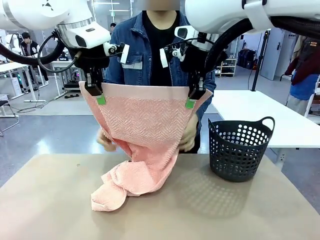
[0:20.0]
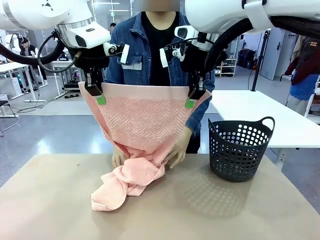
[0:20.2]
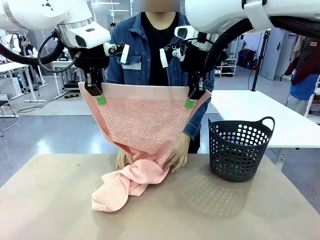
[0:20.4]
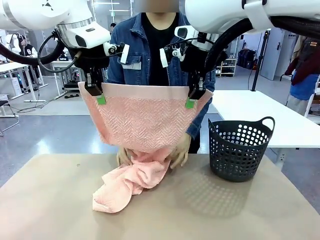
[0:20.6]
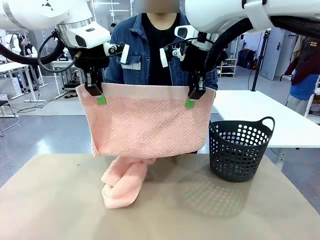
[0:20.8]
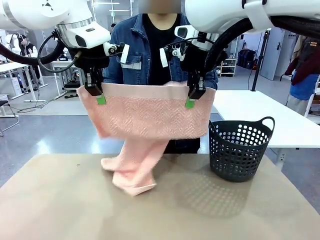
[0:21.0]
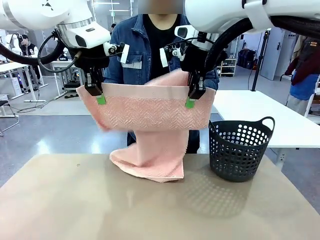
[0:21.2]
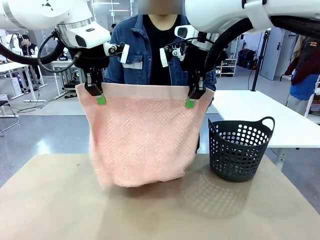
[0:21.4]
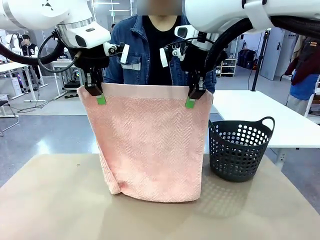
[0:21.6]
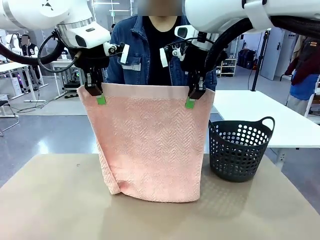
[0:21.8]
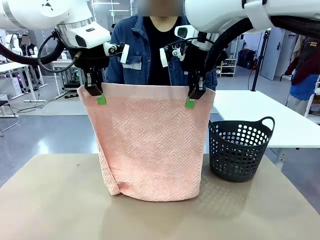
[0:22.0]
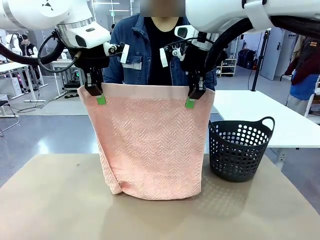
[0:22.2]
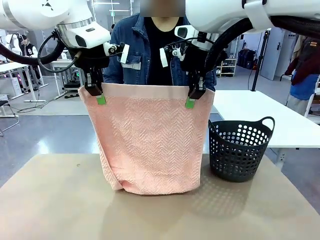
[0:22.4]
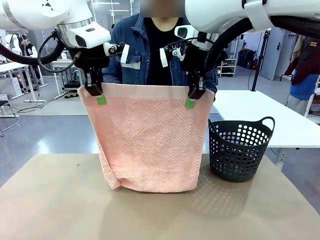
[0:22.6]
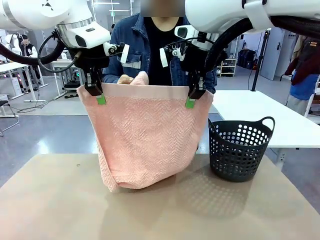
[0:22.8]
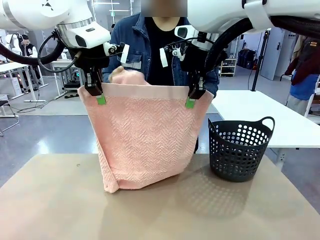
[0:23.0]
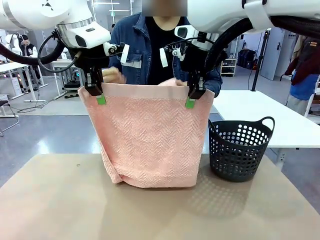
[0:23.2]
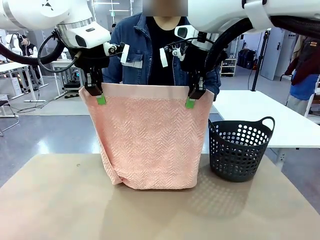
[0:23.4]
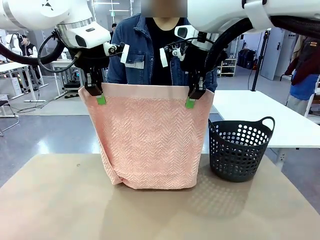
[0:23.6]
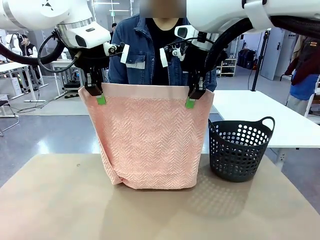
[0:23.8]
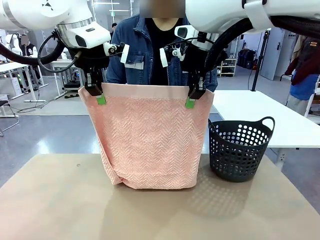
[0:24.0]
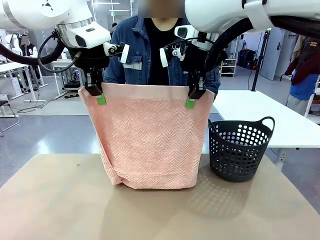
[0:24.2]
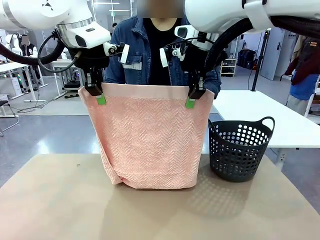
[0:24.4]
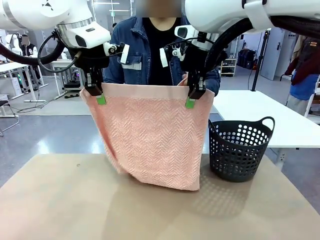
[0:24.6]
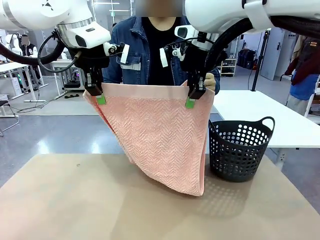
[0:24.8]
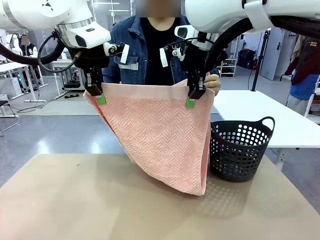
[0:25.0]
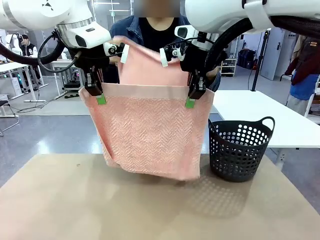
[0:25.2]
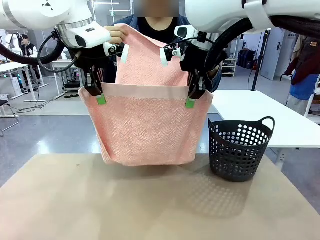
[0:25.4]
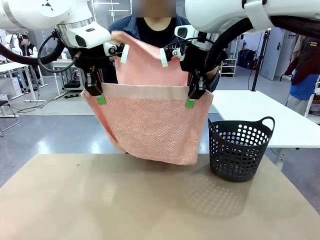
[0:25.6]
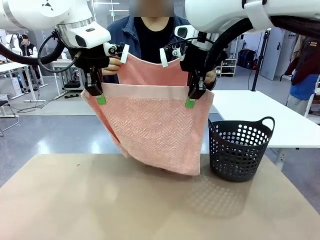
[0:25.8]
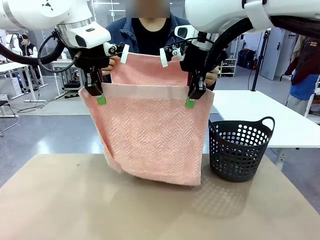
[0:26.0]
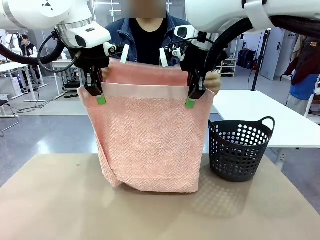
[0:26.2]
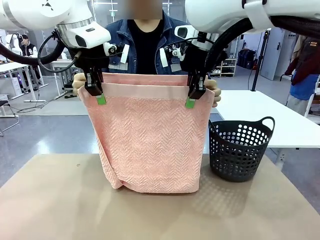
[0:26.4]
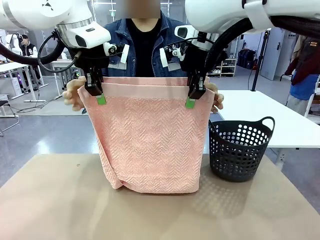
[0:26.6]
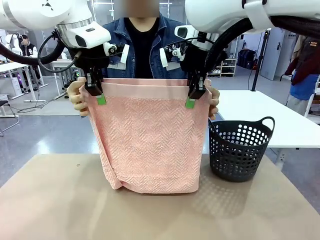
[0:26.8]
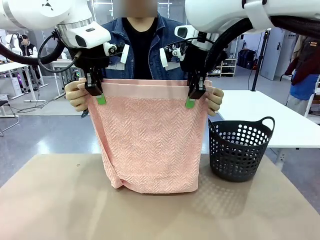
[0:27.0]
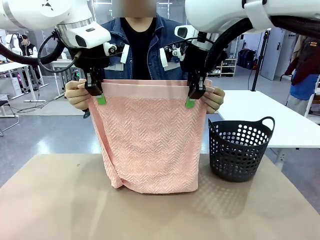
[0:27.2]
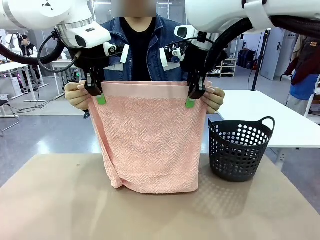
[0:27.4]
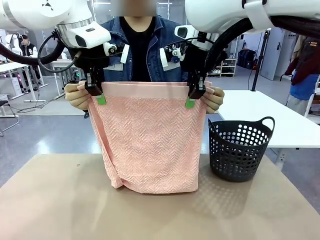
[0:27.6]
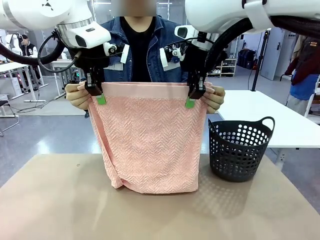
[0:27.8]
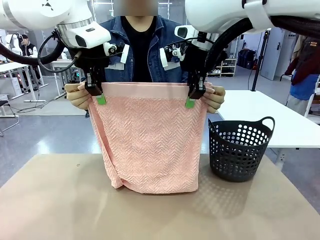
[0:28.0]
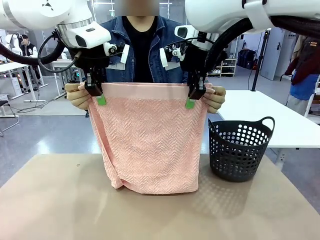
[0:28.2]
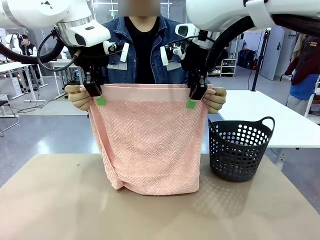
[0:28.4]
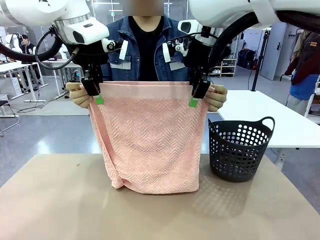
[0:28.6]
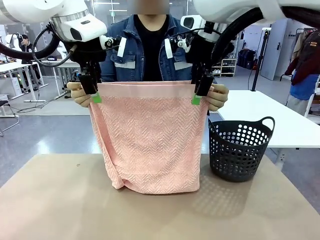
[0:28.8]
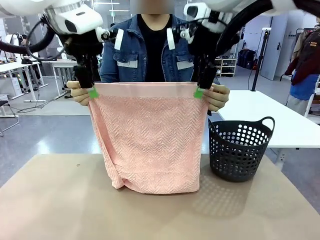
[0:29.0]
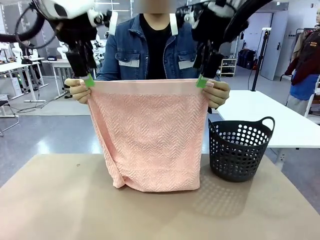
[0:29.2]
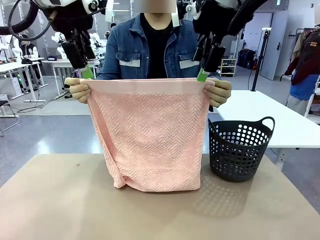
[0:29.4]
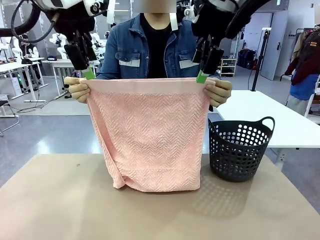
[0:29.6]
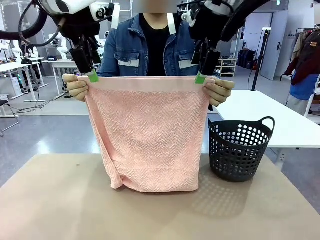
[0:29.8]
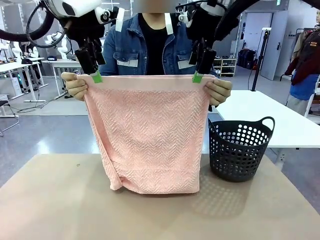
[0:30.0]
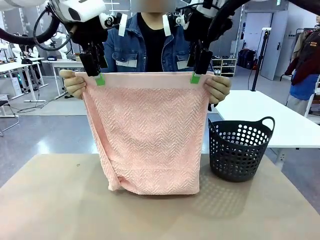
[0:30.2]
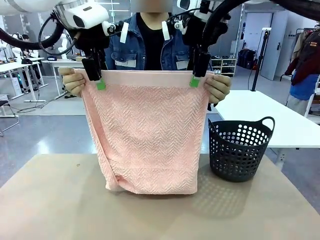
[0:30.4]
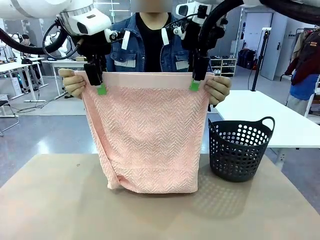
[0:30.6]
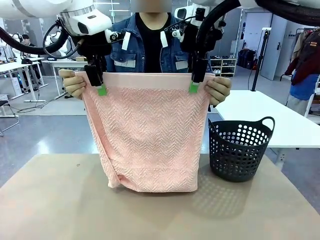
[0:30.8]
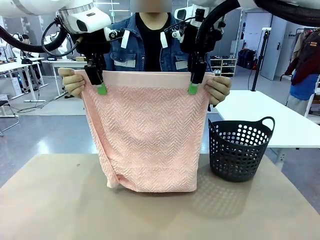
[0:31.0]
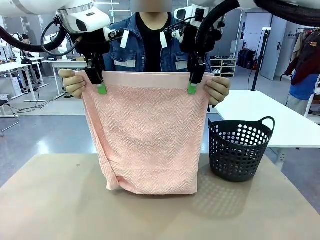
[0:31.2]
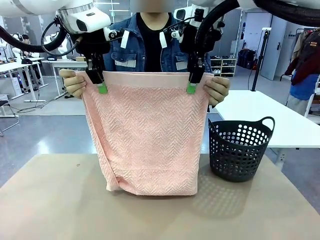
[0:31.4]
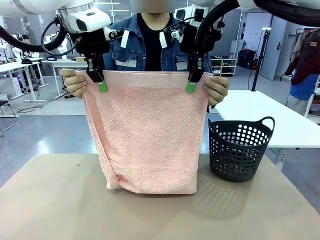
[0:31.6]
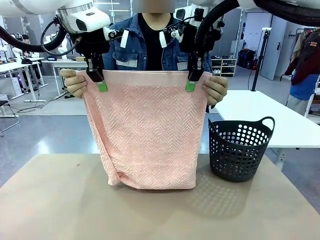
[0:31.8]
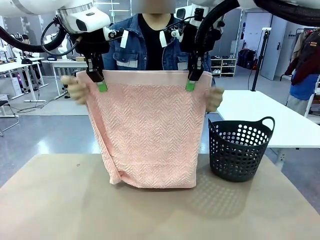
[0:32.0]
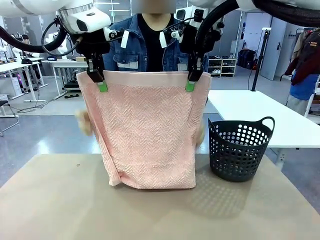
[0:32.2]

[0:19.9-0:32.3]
Task: Fold the towel.
Robot: Release the end of the 100 cm Hotel Towel you were holding and grab the top end of the folded side.

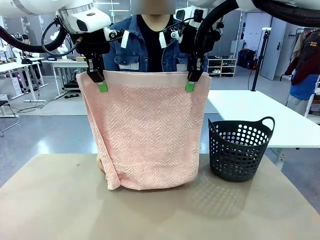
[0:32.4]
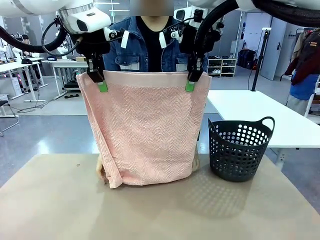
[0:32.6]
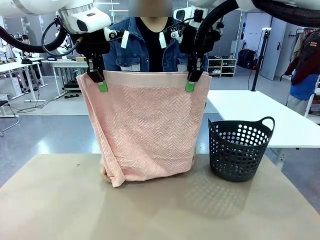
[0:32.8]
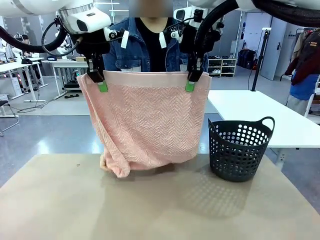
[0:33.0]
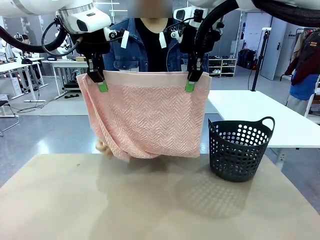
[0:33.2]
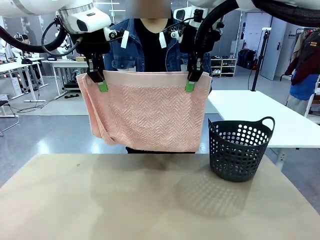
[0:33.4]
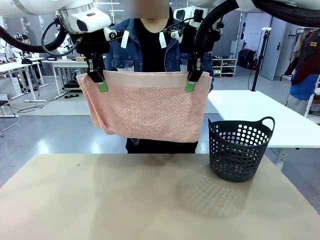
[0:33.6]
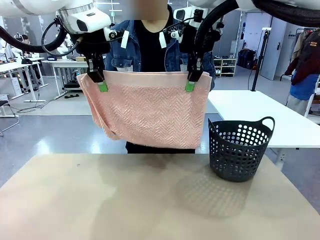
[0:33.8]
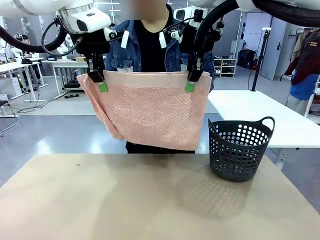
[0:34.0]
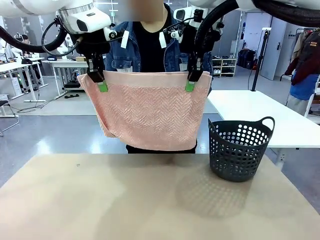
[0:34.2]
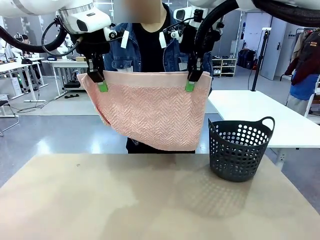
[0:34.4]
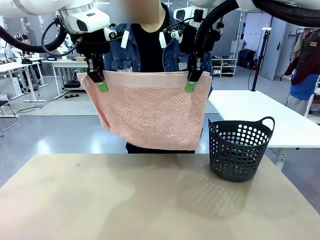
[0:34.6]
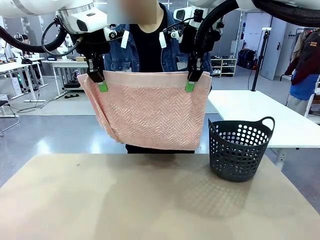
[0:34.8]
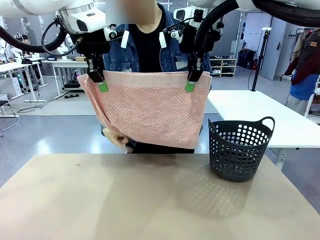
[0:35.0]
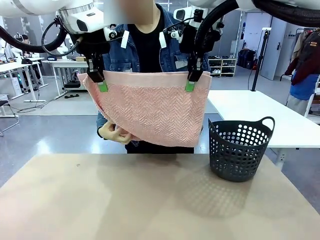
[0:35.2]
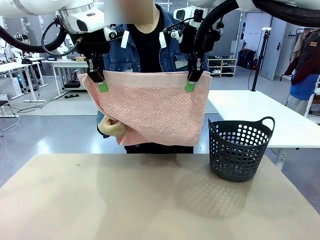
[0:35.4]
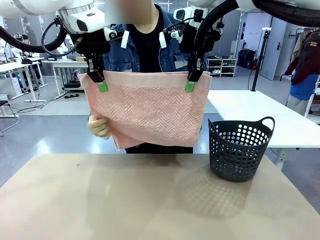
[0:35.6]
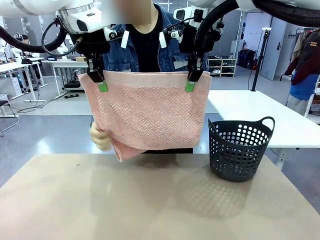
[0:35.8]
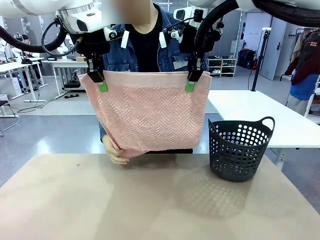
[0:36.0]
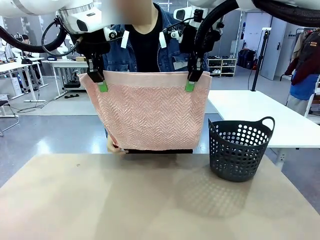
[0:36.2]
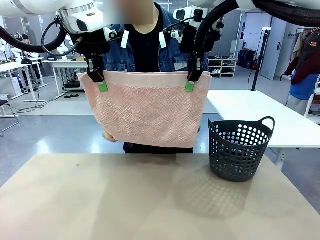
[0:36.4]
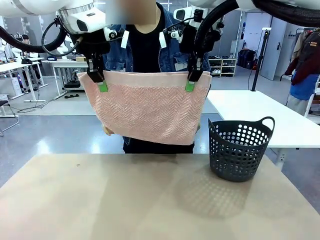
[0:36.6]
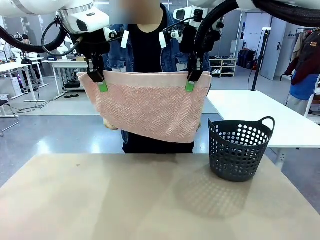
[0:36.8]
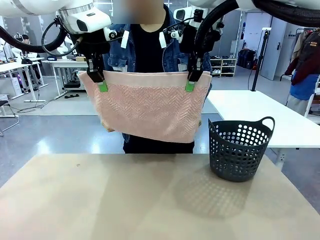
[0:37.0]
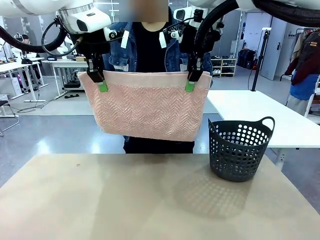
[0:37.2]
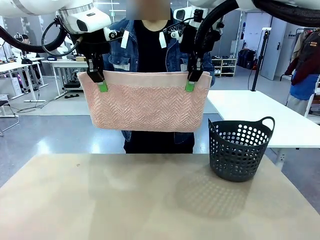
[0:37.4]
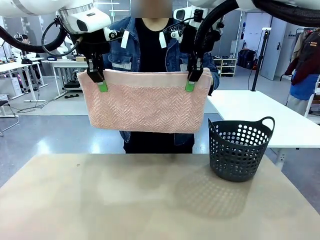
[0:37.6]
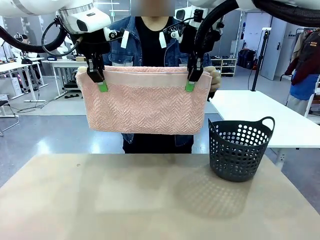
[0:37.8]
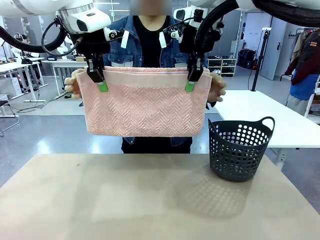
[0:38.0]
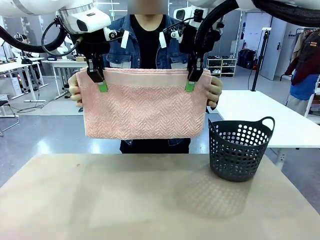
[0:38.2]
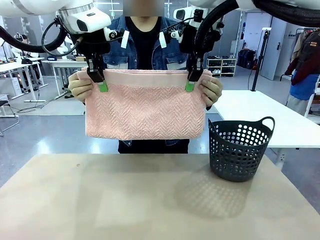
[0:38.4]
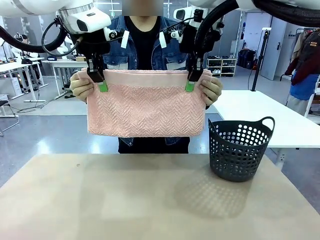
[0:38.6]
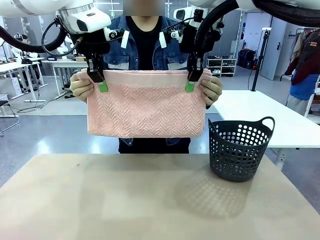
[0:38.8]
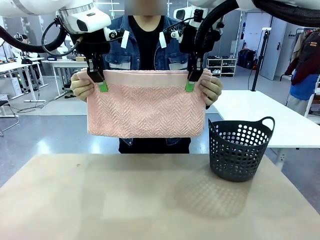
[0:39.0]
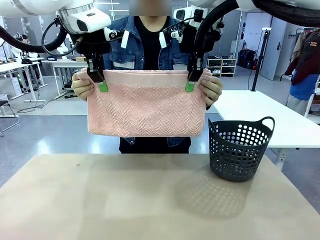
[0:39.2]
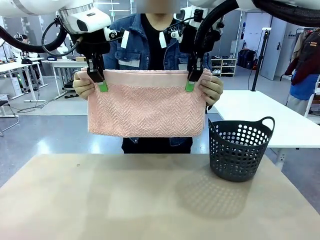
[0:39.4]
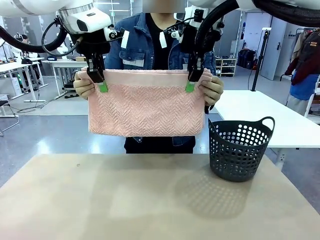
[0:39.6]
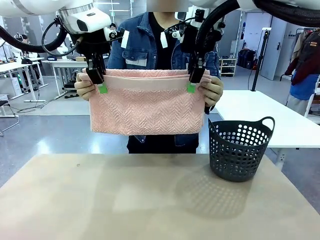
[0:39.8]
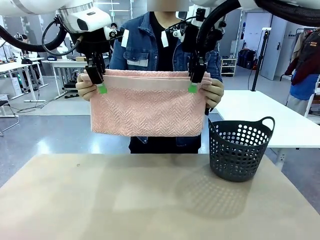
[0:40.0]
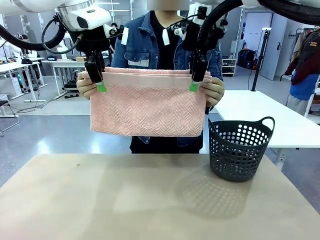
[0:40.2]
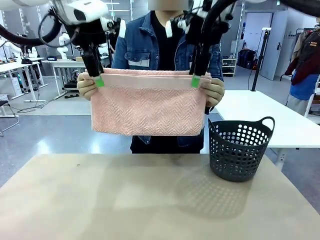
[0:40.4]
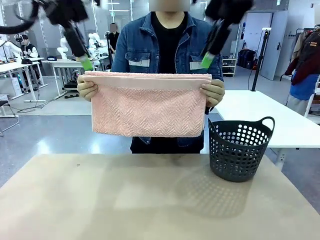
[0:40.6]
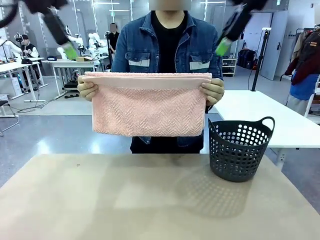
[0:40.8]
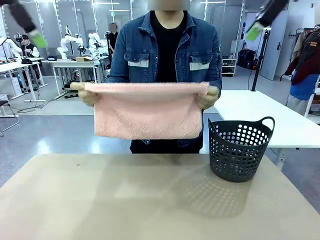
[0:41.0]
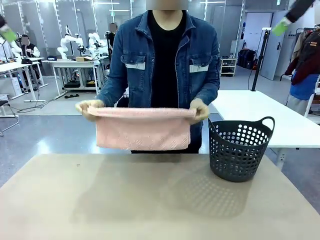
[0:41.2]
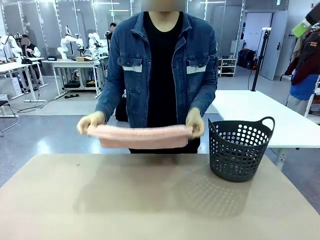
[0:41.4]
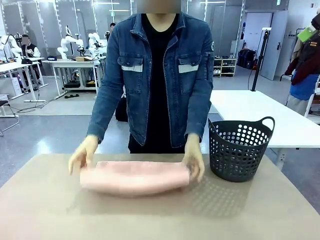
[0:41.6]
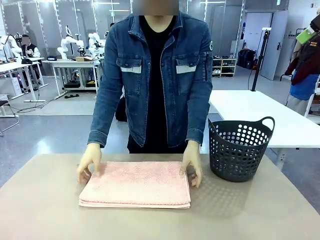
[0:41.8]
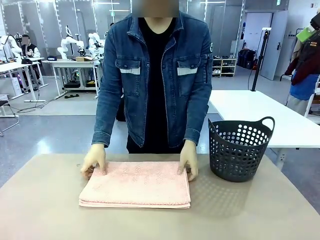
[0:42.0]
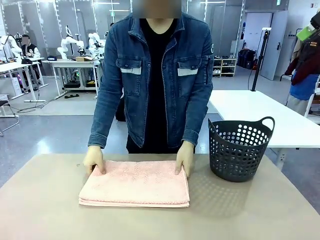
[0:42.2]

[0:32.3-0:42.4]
Robot: Release the end of the 100 cm Hotel Towel you were holding.
Person: Place the towel at the center of the robot table and fold it in half.
